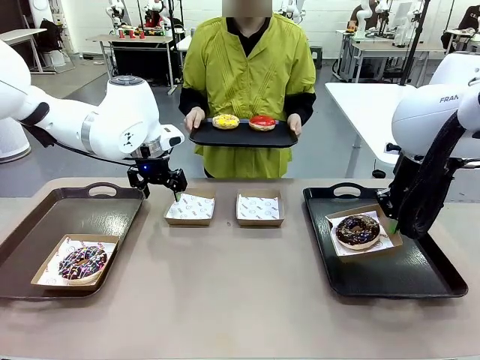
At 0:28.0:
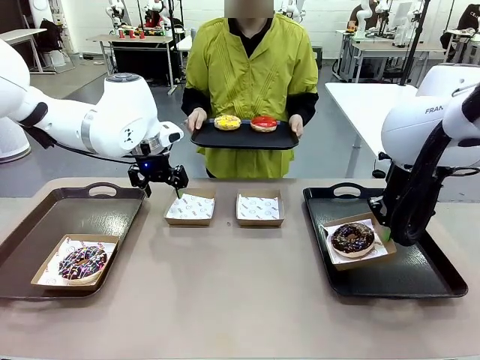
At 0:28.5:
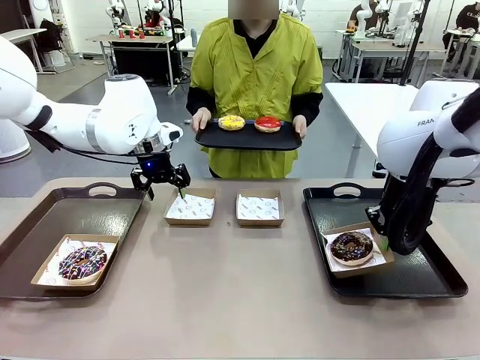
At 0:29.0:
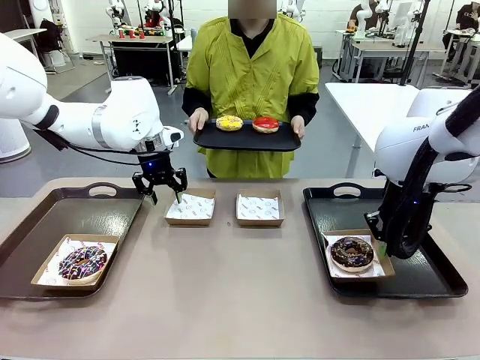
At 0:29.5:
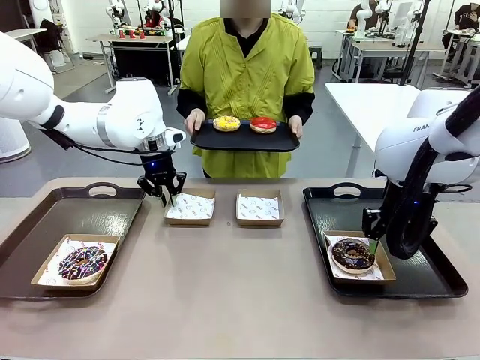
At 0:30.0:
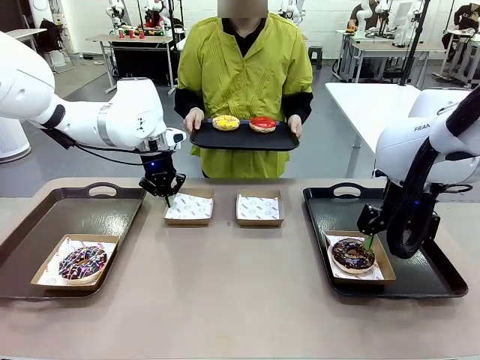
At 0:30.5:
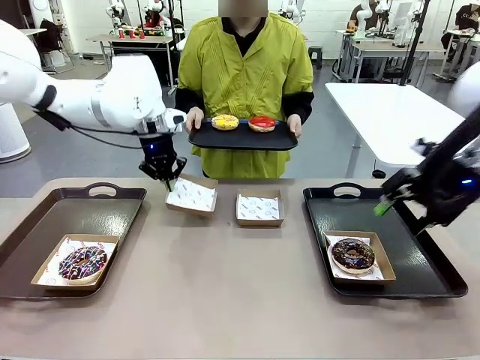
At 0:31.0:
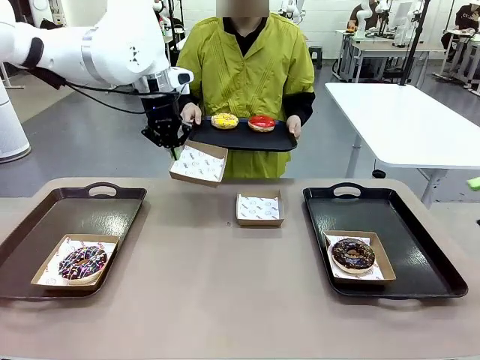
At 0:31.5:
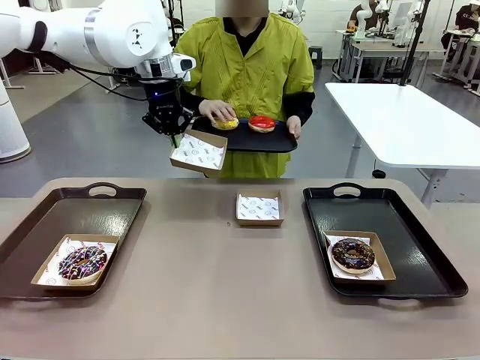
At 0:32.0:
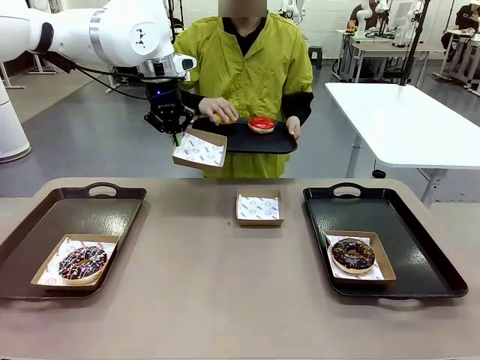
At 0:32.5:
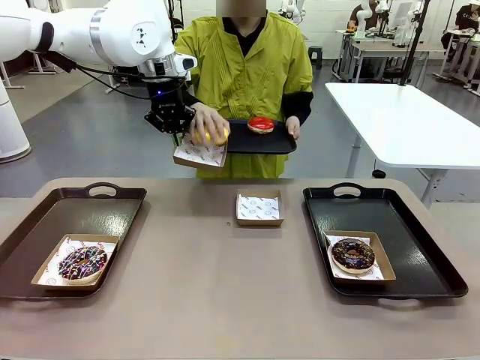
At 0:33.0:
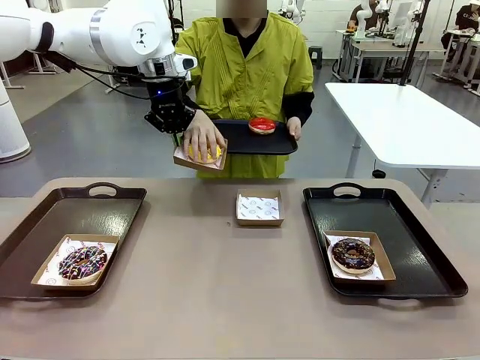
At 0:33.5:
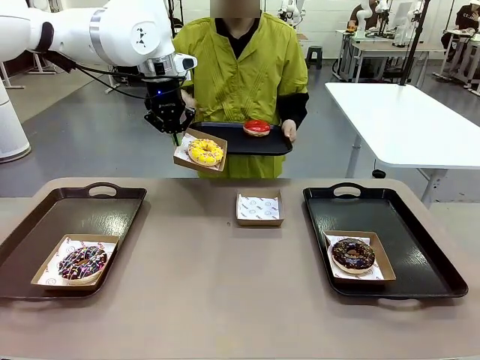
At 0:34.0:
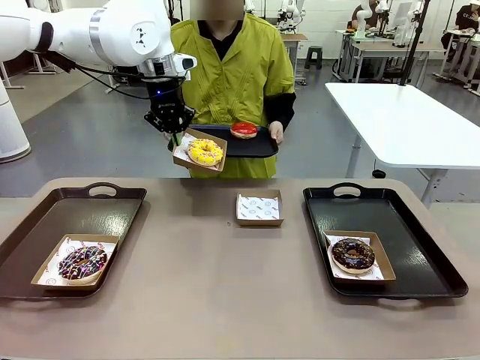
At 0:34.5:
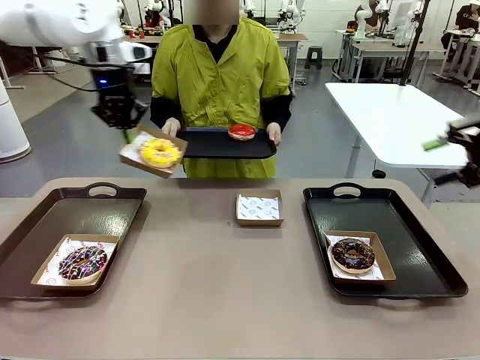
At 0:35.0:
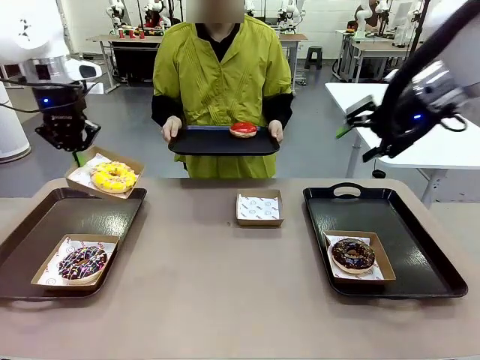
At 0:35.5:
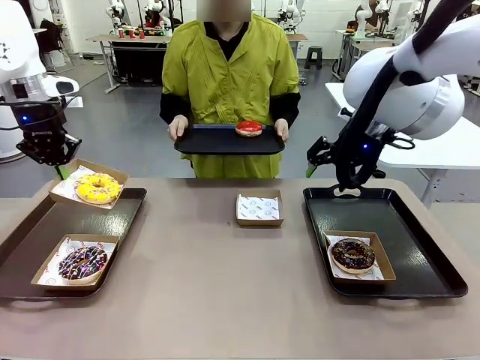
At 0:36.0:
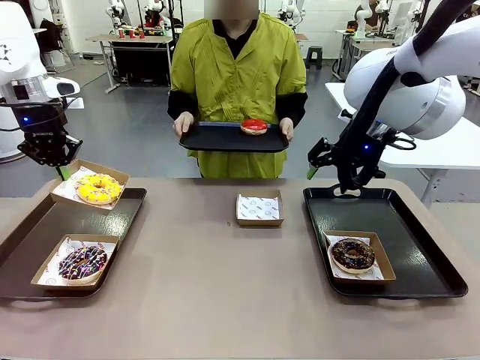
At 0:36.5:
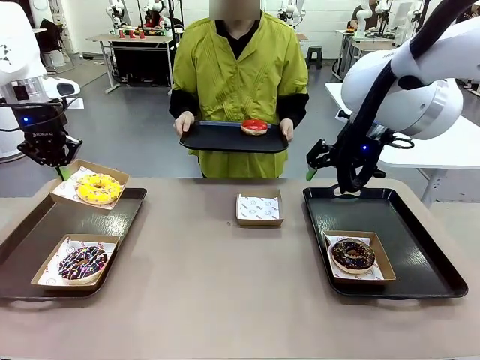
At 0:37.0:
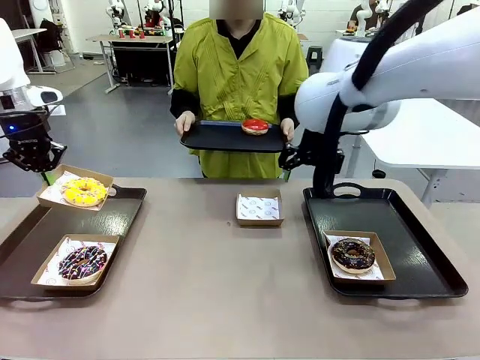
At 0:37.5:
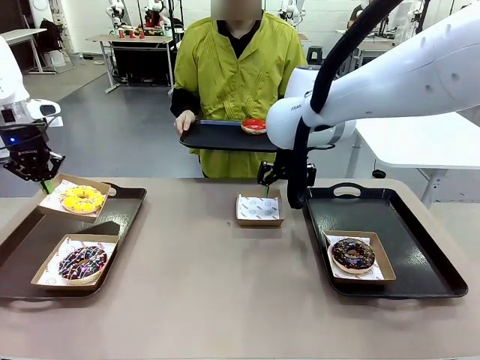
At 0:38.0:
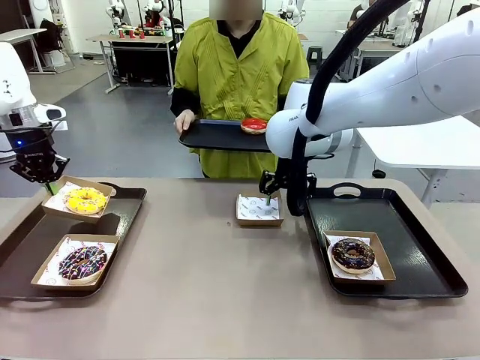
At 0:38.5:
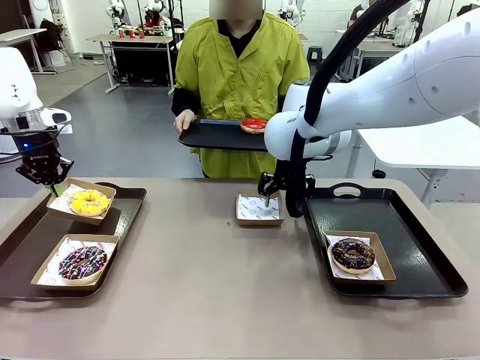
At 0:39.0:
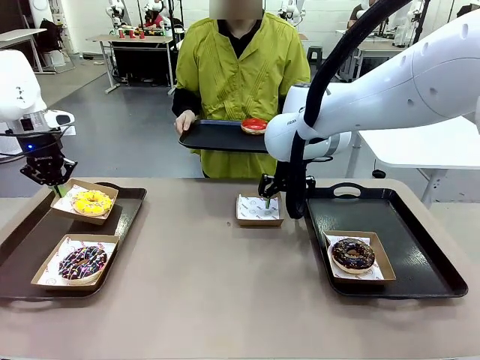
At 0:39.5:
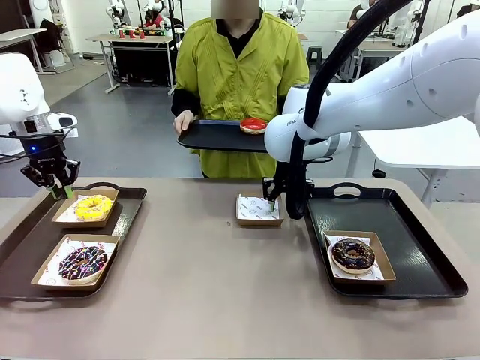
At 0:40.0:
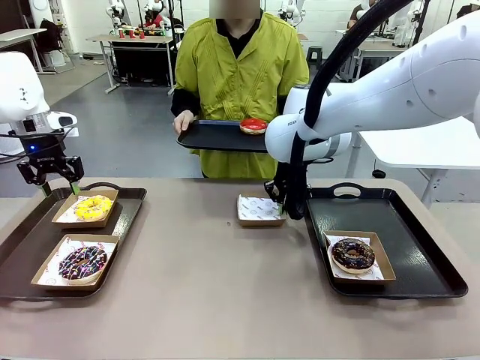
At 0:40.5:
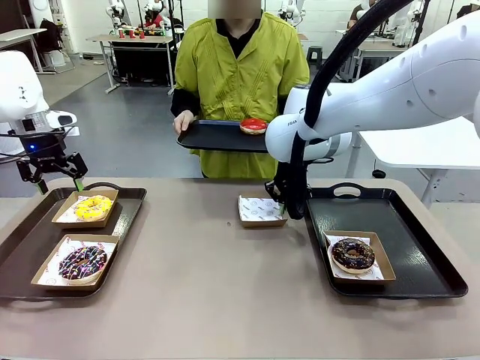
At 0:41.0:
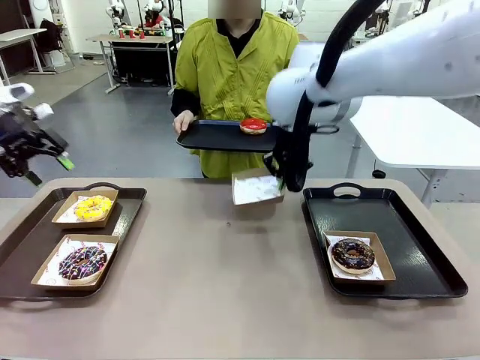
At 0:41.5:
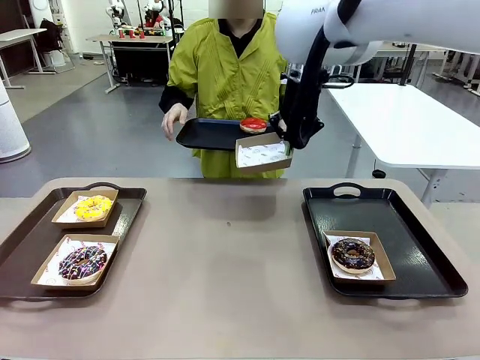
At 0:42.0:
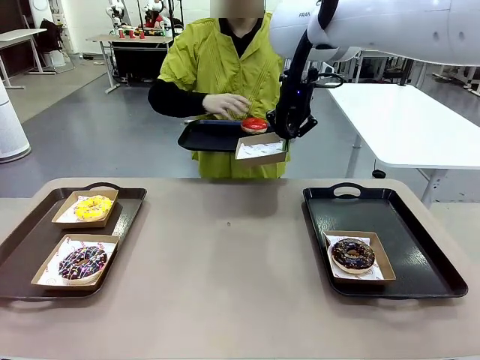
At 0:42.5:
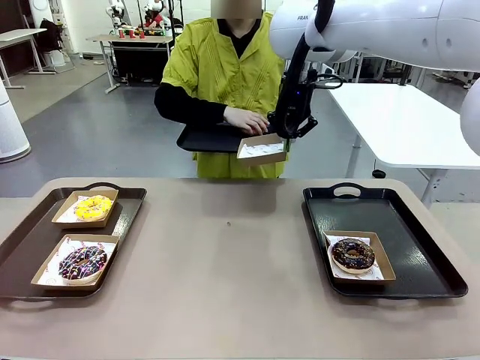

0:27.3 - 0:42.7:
Task: Individually package the donuts and arrange them on the tray.
Robot: Place the picked Paper togo box on the Handle tray while simultaneously picking up another Paper togo box from the table with the other hand.

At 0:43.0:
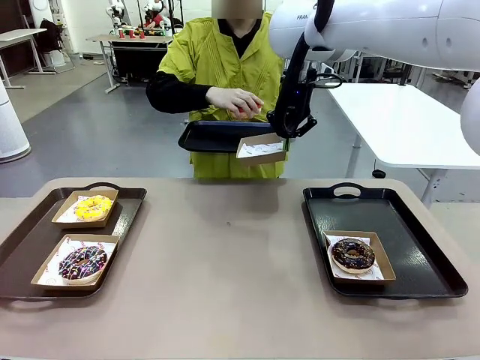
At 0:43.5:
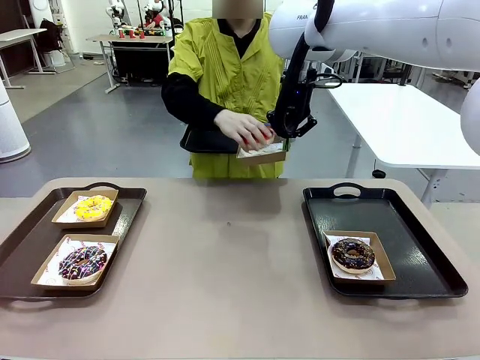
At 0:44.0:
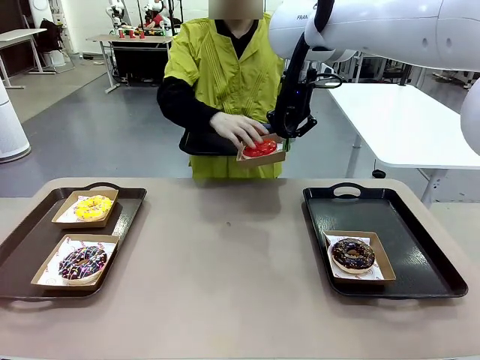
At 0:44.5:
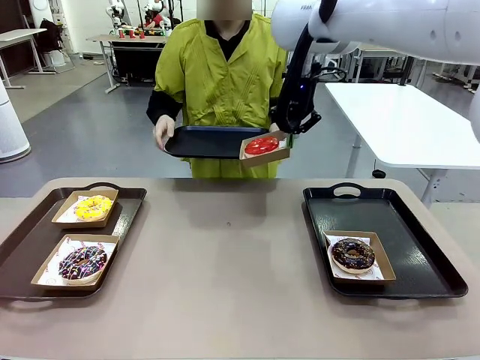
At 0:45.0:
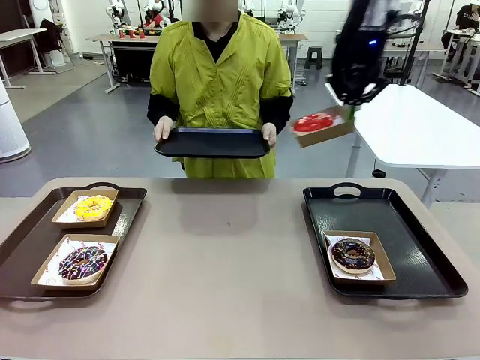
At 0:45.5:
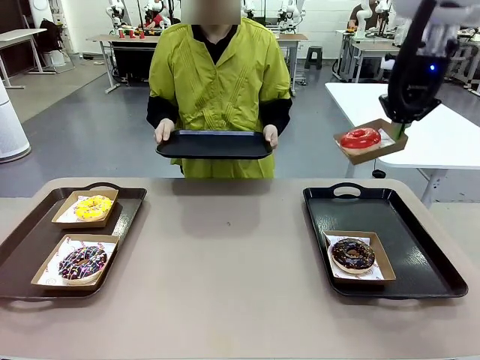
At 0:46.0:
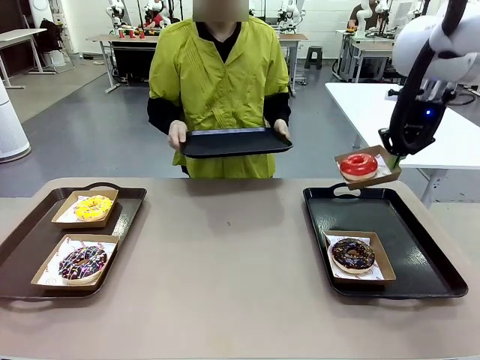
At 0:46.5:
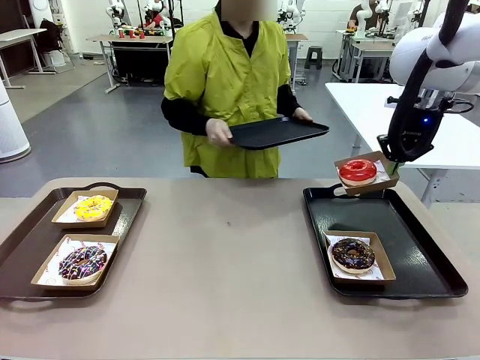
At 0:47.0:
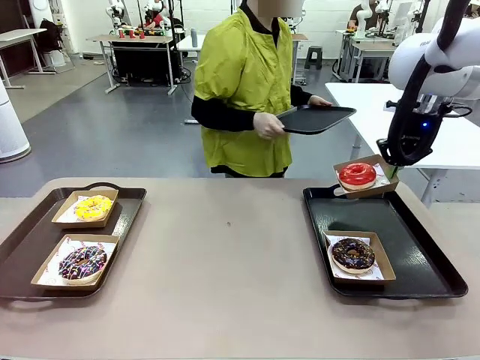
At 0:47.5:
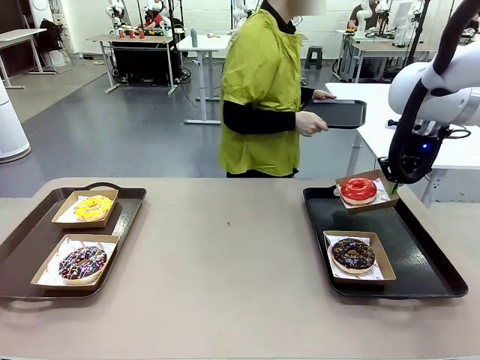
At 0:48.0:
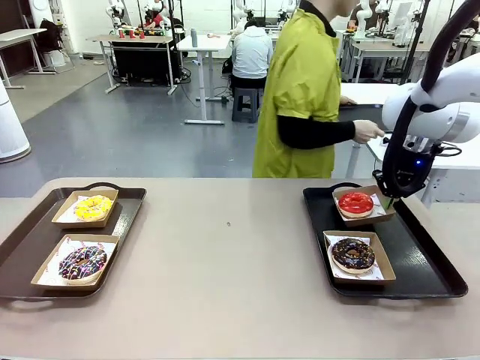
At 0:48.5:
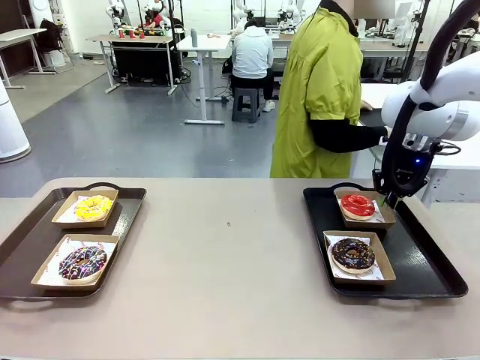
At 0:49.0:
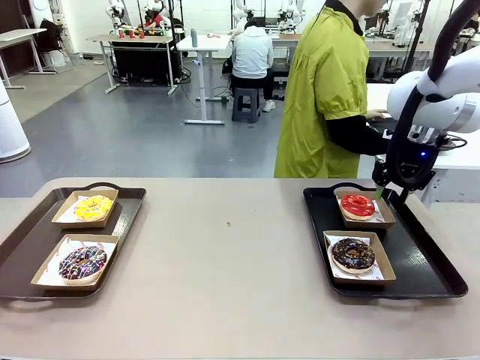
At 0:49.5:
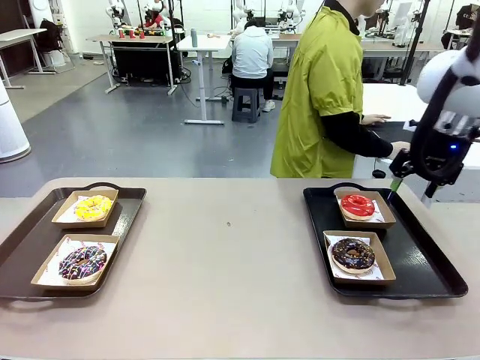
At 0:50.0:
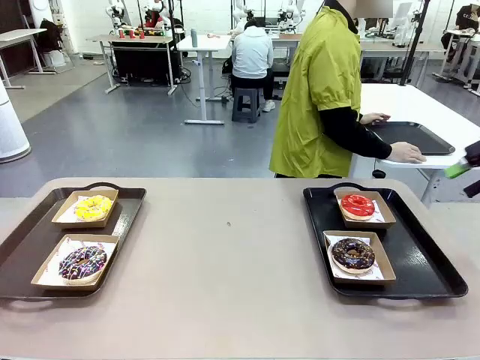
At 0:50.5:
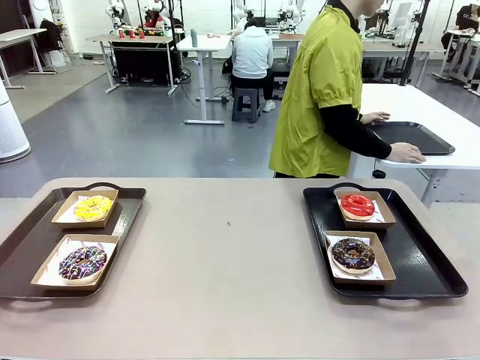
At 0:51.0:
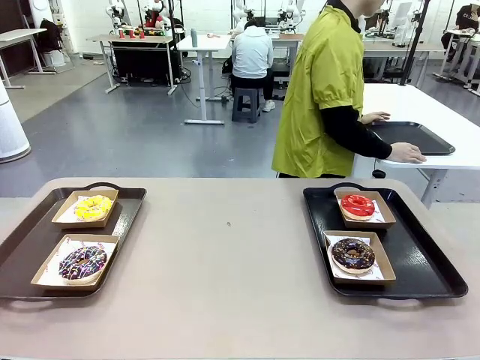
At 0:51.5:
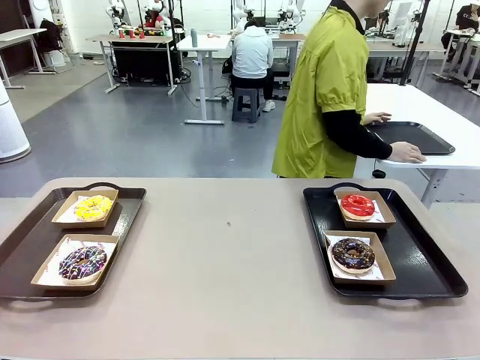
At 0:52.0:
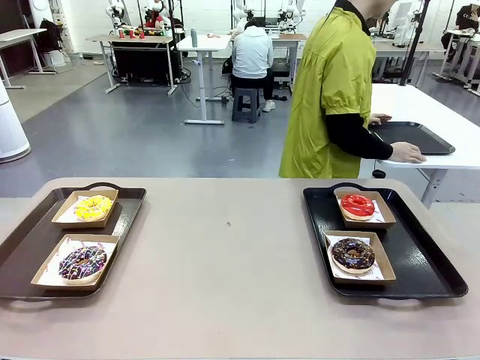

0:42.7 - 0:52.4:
Robot: Place the picked Paper togo box on the Handle tray.
Person: Place the tray down in the middle of the human table.

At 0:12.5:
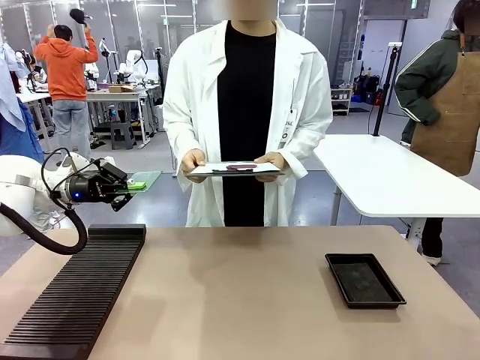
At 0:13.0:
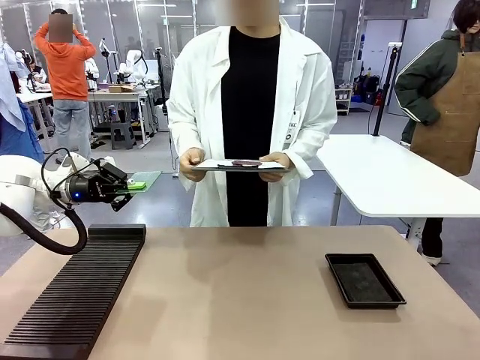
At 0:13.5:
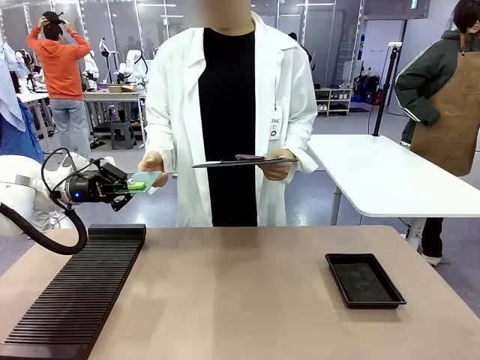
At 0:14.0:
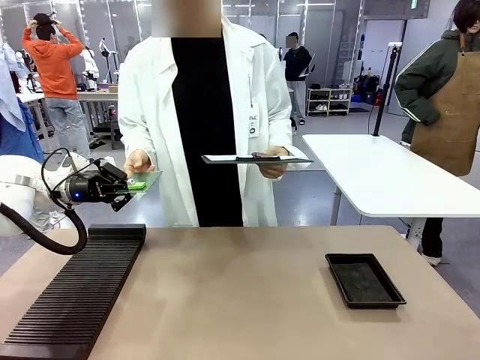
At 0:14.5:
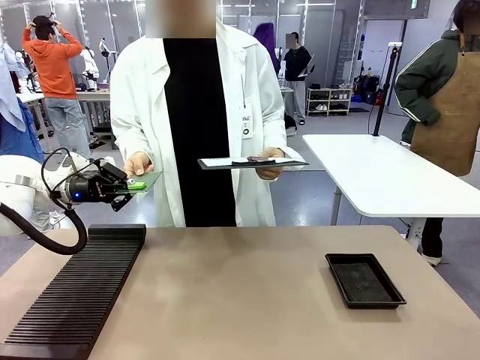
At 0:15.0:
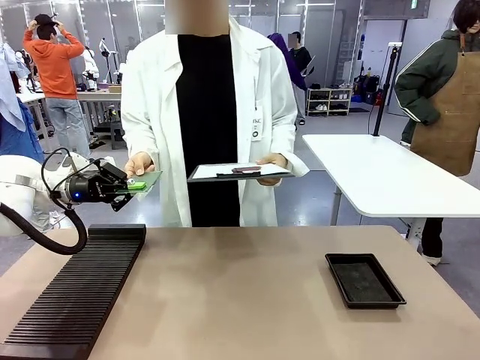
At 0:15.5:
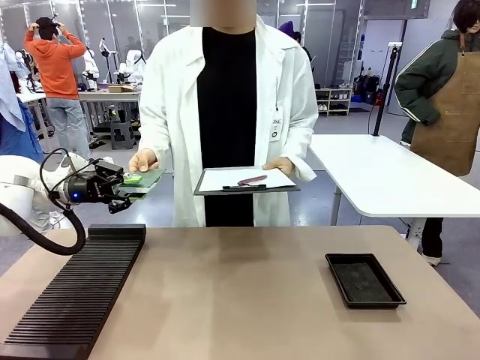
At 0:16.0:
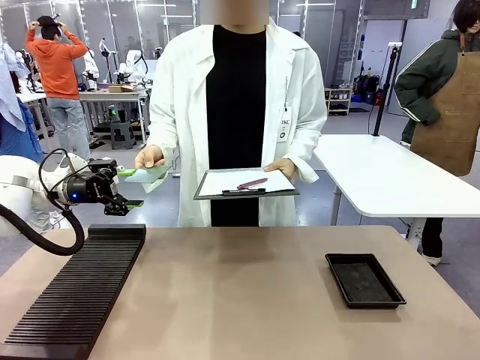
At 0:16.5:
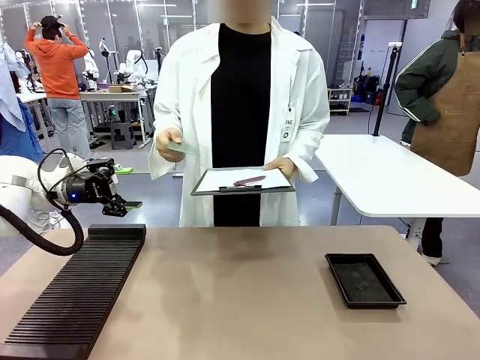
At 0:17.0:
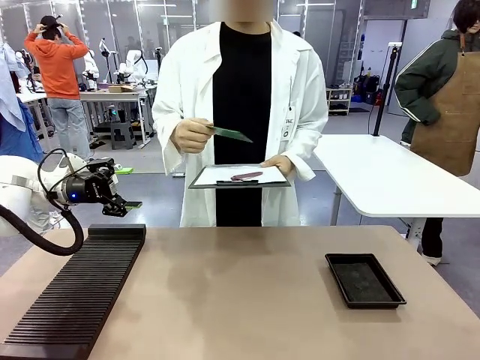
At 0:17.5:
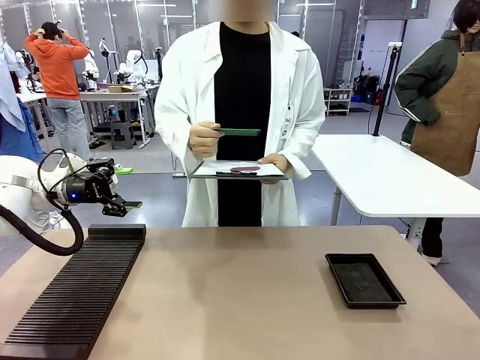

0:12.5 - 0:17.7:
Task: Inspect the PCB.
Robot: Release the Blank PCB you were holding.
